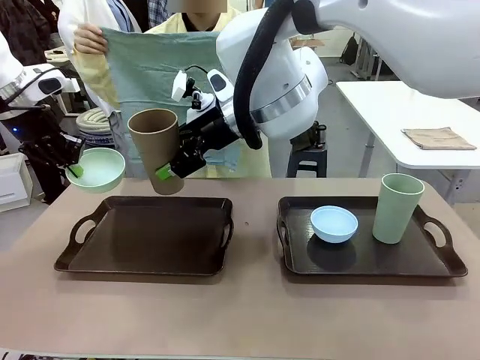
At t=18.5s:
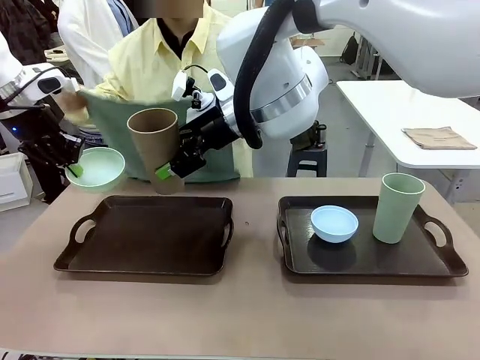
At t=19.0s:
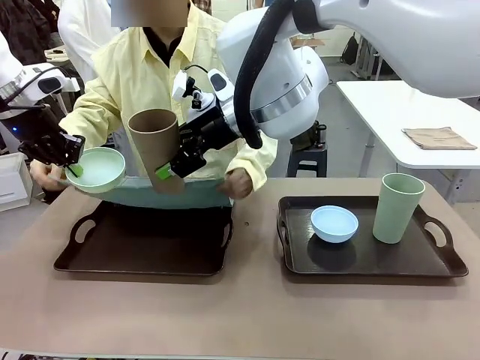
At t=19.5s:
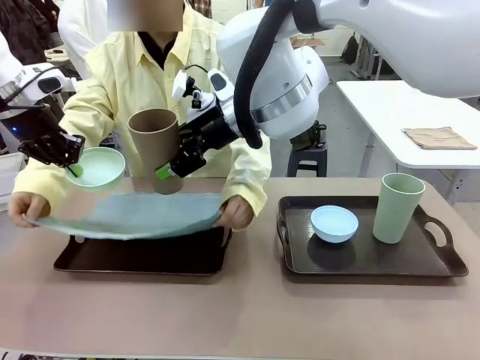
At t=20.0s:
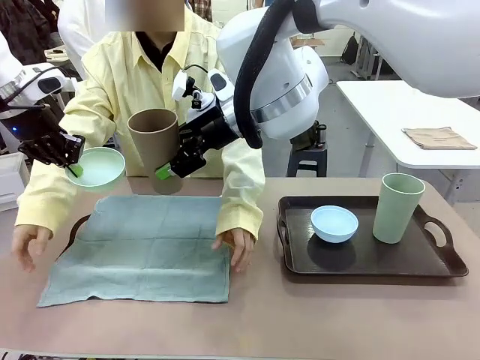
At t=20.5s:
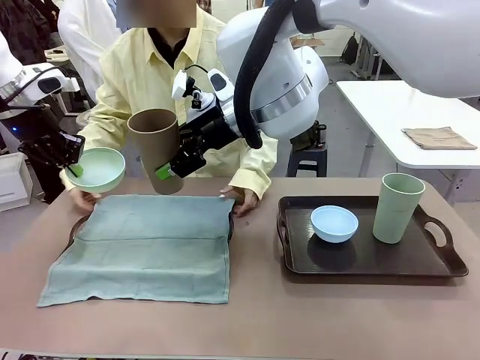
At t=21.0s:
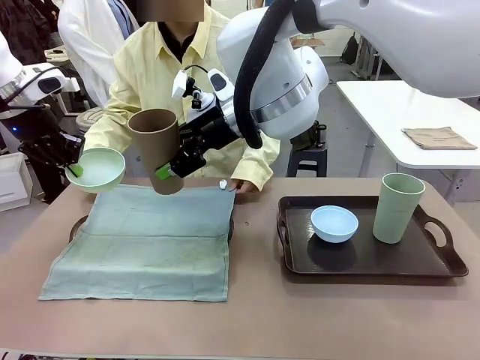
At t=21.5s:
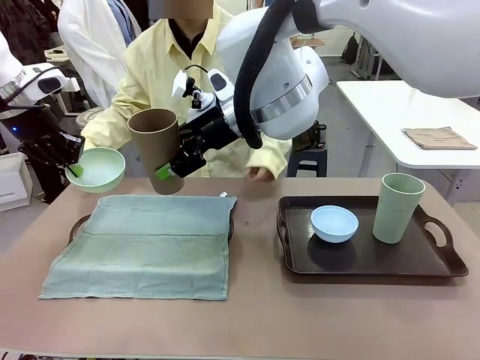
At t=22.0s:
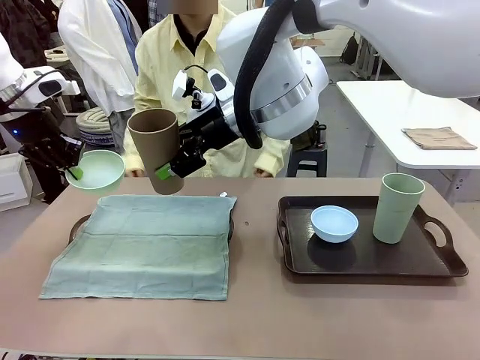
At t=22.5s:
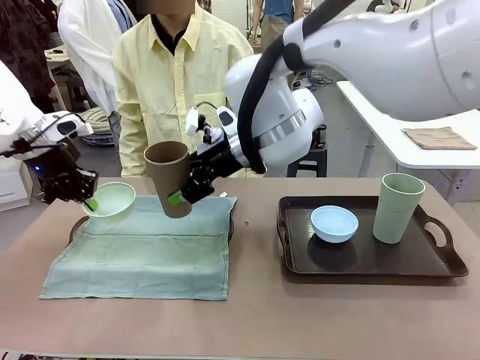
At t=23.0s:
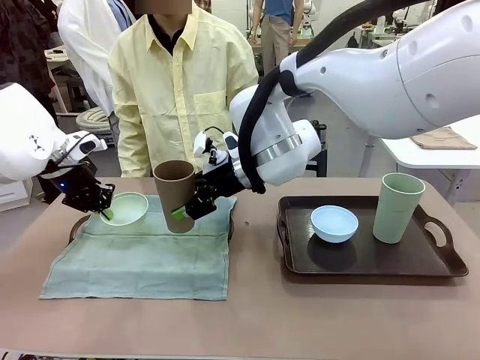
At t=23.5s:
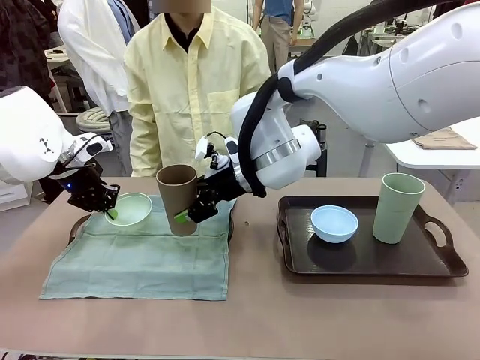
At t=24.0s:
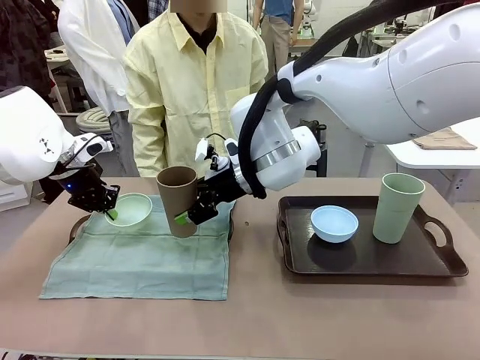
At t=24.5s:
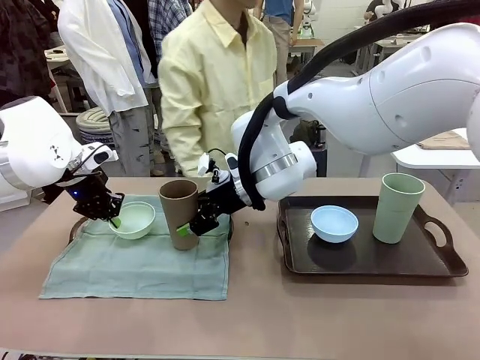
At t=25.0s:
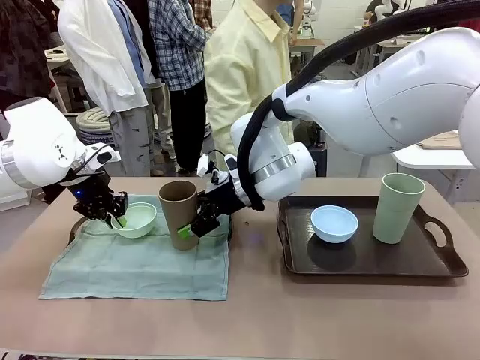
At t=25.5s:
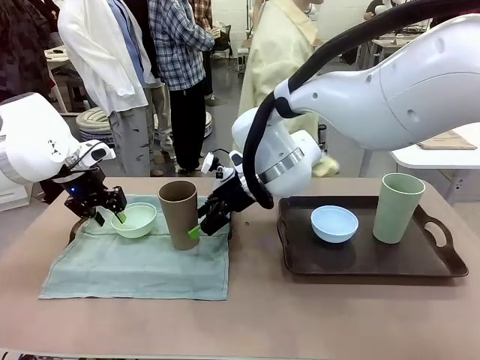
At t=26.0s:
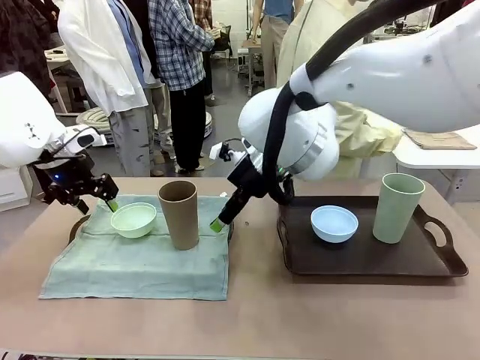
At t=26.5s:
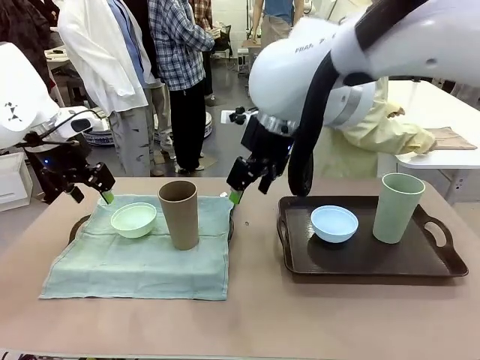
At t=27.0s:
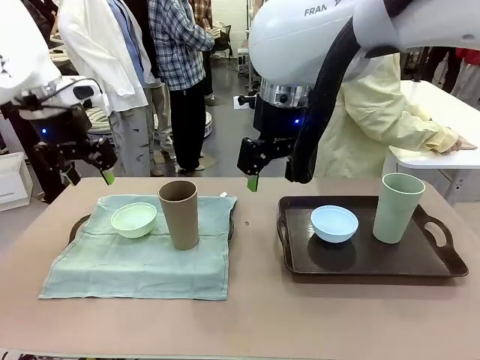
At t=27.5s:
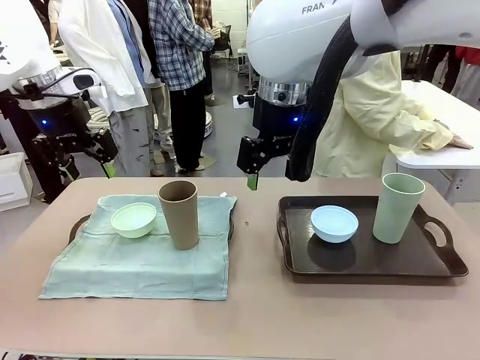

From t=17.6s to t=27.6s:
Robot: Place the Picnic Bowl and Reusable plastic cup back onto the Handle tray in front of the human's position.
Person: The human returns to the human table to pick up another napkin and walks to the robot table to stand in front of the tray without a napkin.

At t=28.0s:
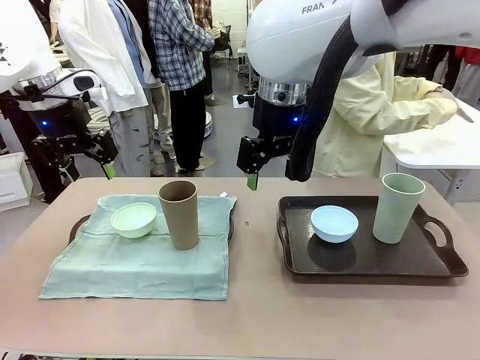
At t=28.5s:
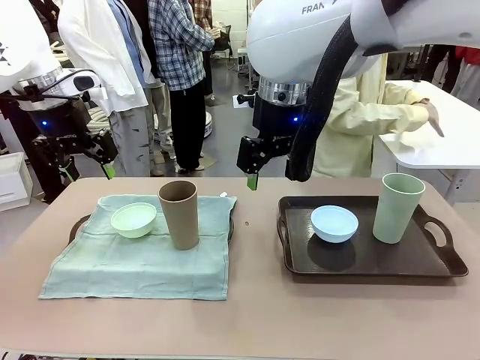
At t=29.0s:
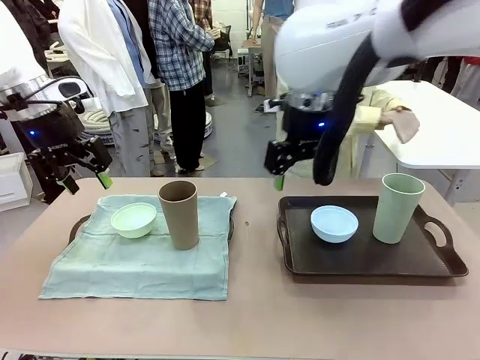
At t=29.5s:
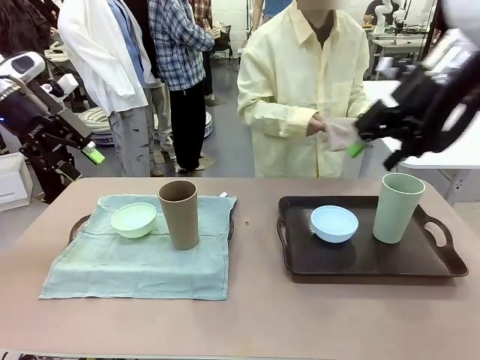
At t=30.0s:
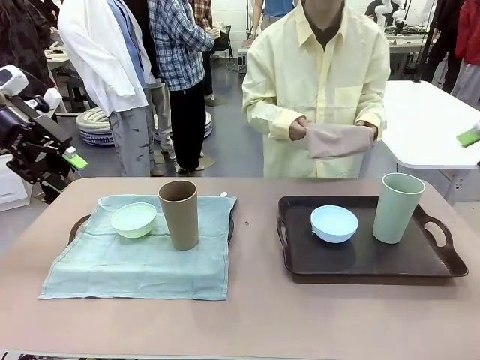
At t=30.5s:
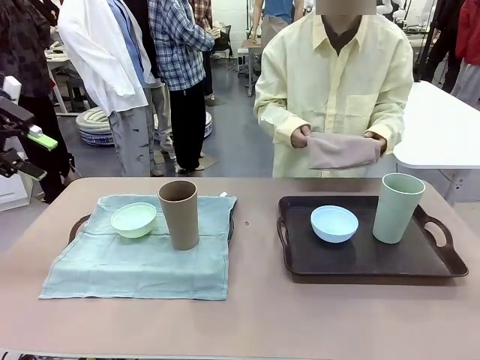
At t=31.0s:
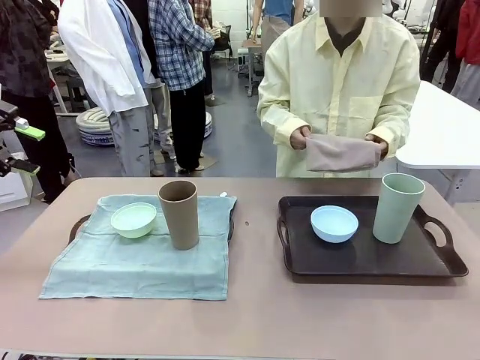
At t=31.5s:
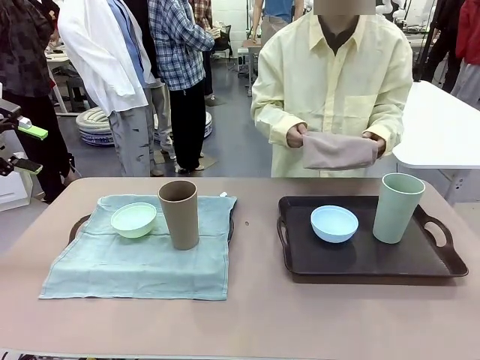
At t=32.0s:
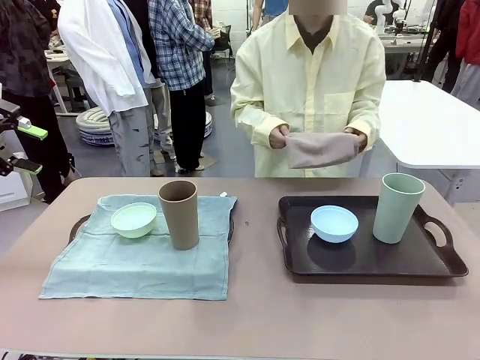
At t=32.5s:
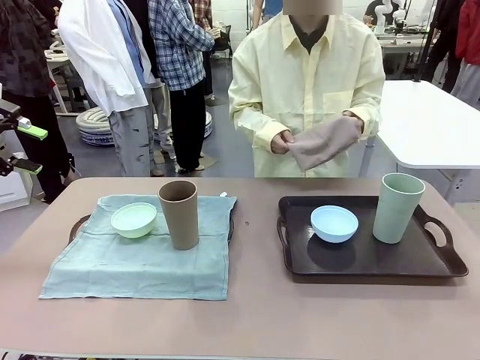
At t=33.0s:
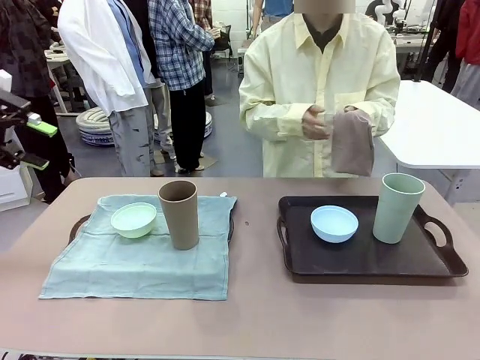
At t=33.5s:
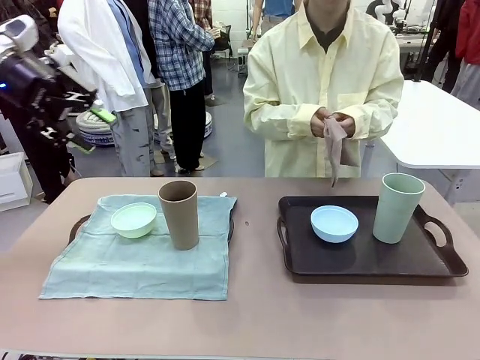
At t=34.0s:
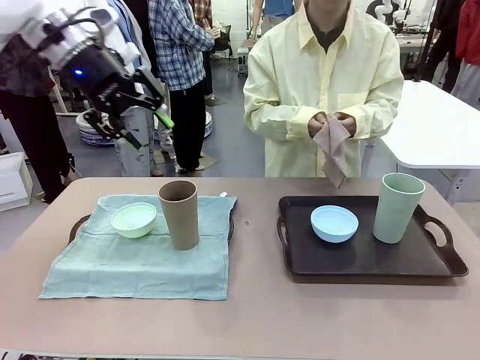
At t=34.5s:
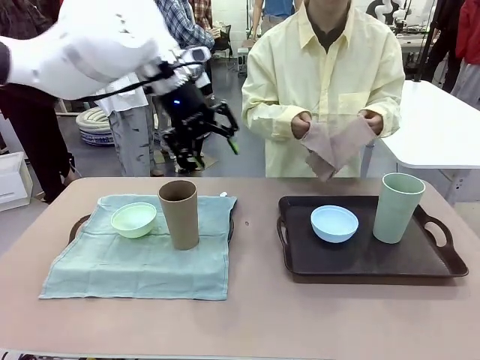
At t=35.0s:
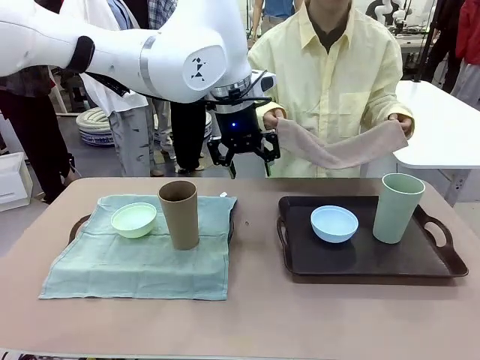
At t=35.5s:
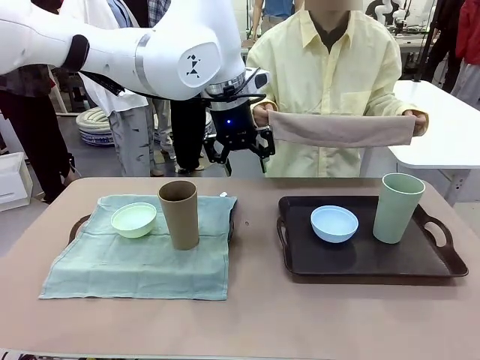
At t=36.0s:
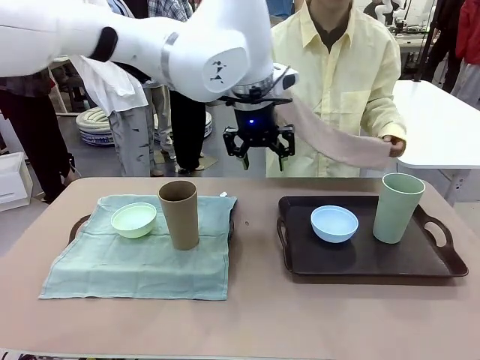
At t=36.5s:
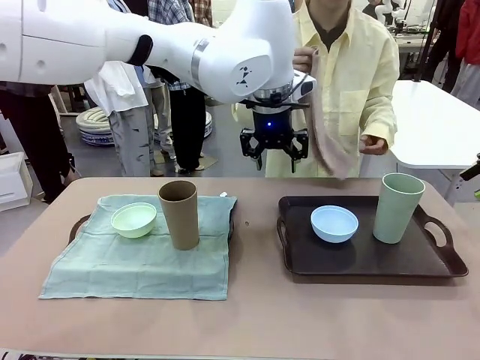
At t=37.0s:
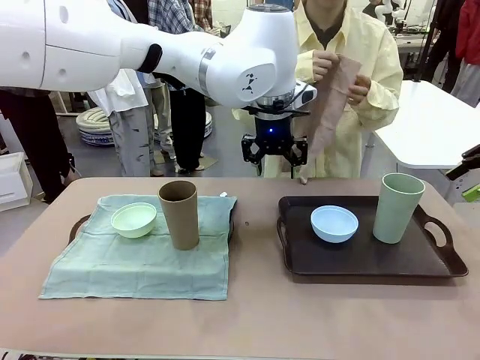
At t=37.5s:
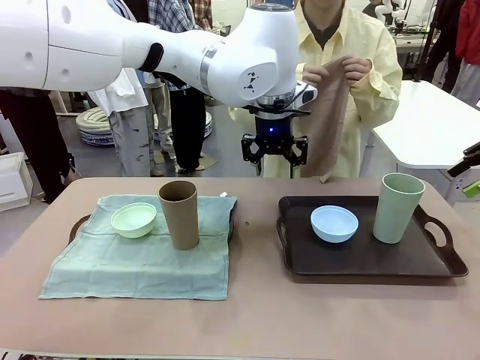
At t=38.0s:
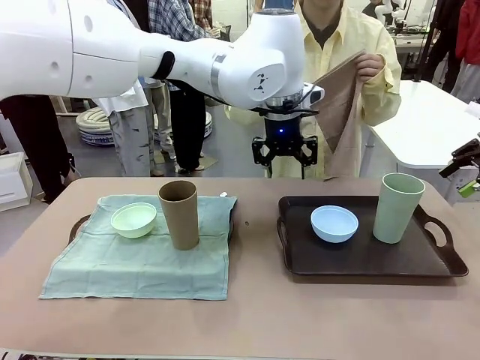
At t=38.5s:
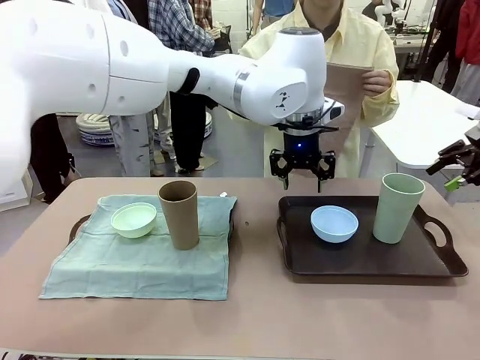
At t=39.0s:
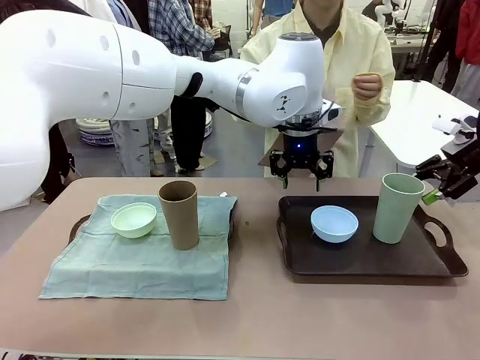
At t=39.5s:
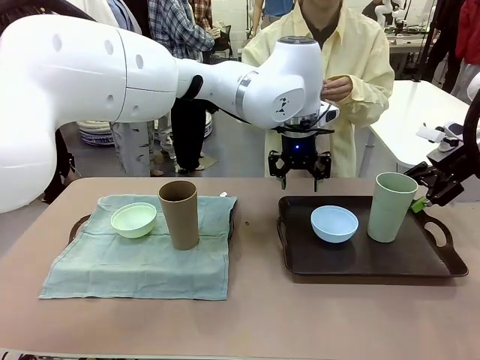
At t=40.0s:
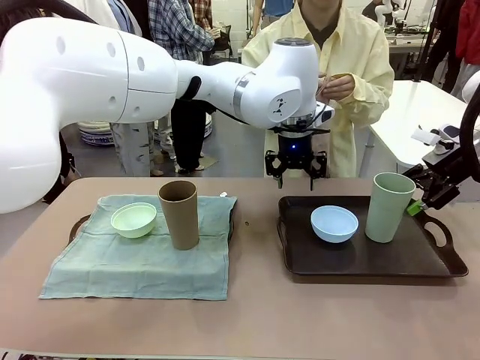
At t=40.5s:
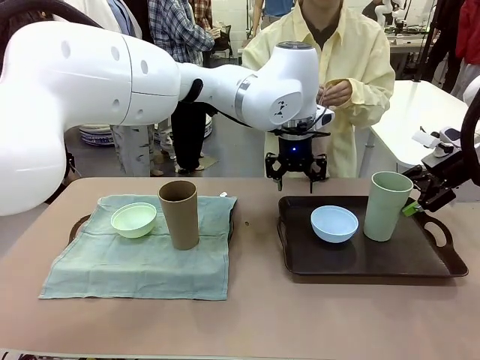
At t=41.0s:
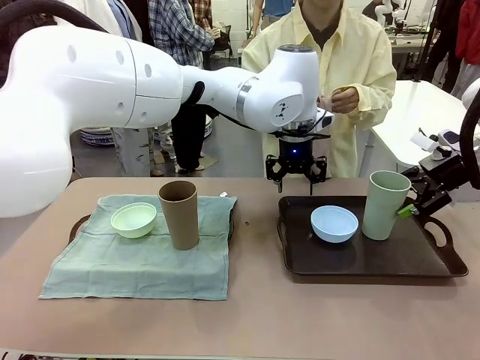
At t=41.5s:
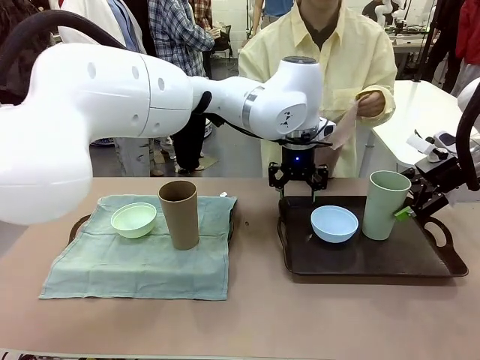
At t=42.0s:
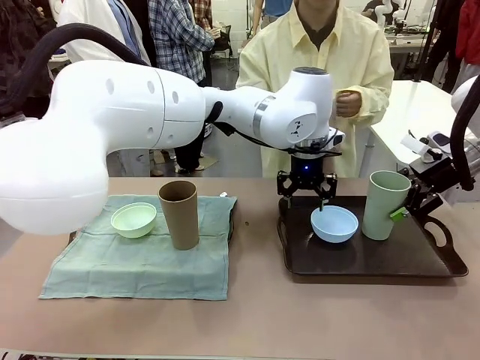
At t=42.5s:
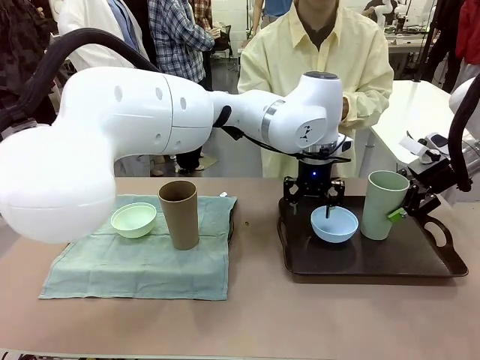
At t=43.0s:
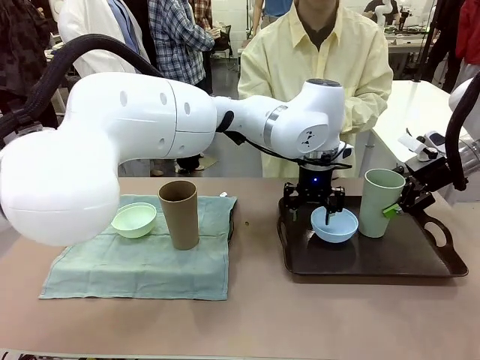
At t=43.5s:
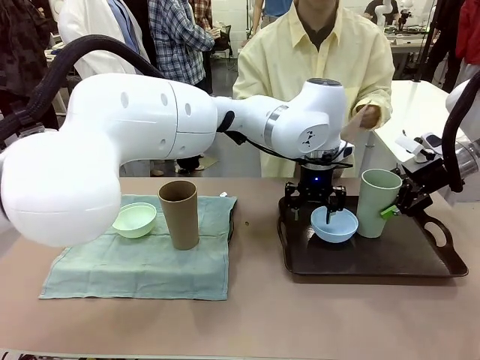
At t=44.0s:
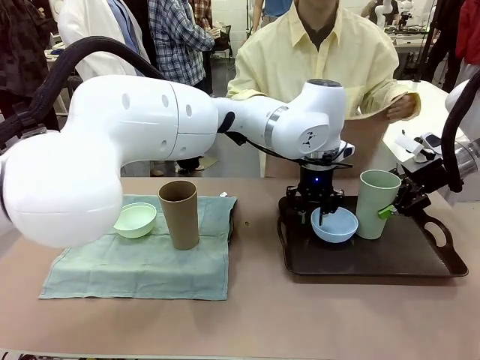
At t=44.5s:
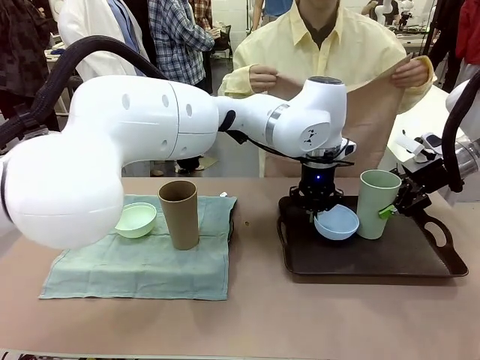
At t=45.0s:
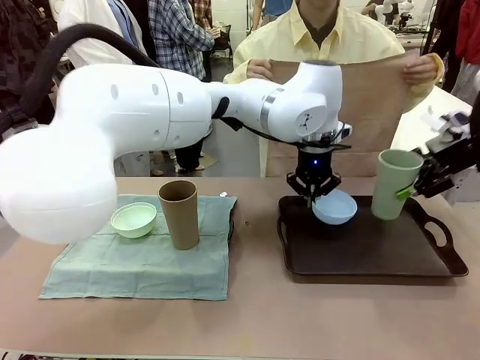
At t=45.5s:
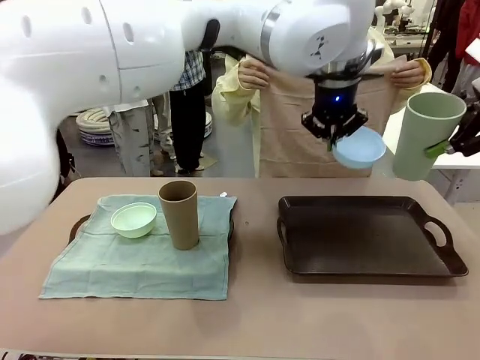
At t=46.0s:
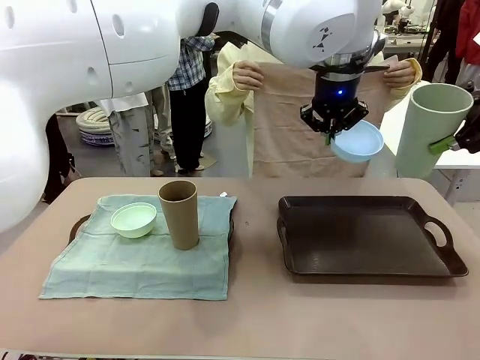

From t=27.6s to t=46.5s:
Robot: Pick up the Picnic Bowl and Reusable plastic cup from the Handle tray in front of the human's position and hold them in the air.
